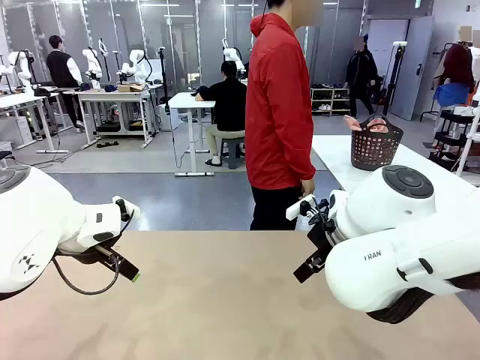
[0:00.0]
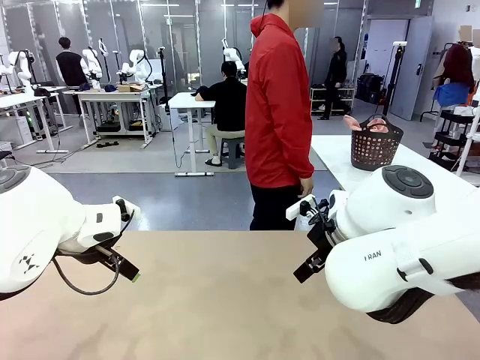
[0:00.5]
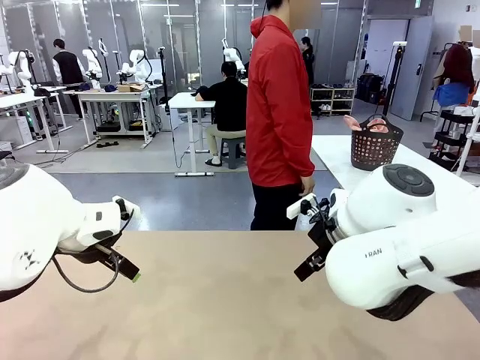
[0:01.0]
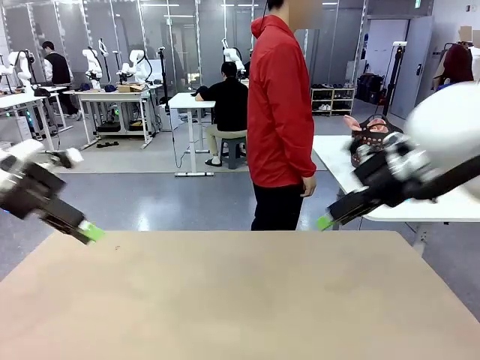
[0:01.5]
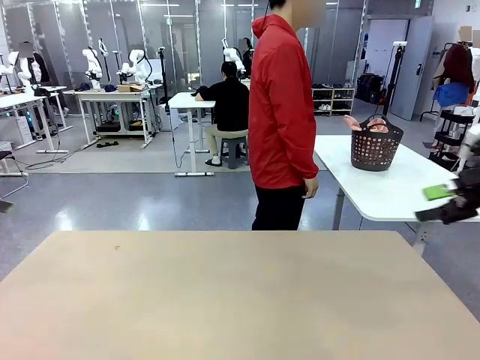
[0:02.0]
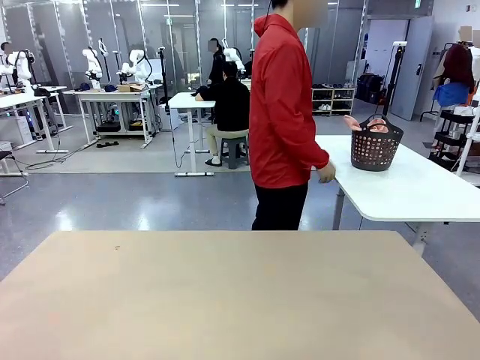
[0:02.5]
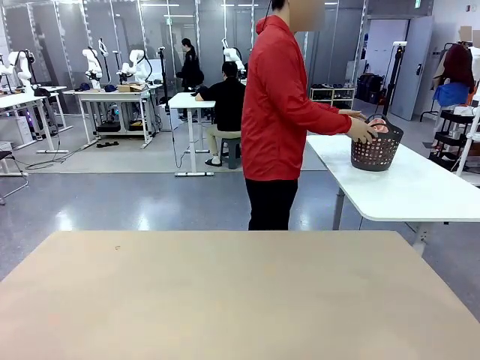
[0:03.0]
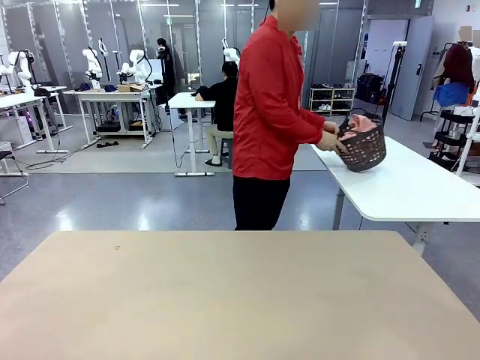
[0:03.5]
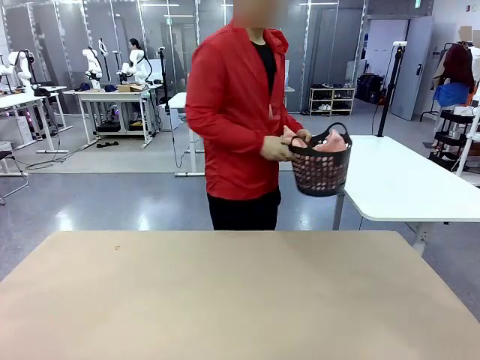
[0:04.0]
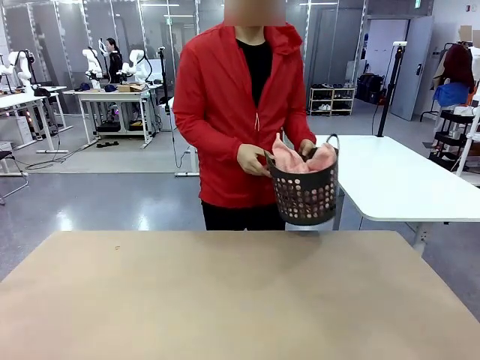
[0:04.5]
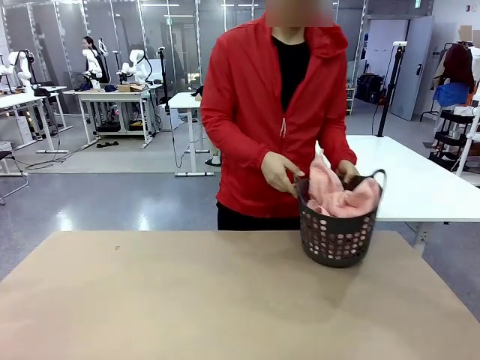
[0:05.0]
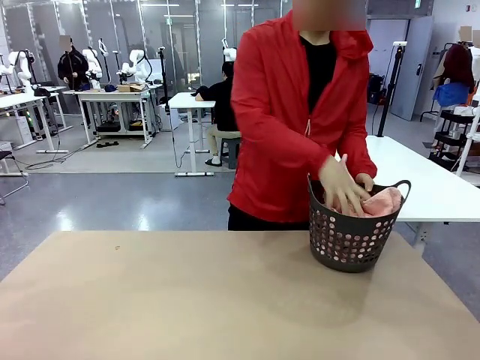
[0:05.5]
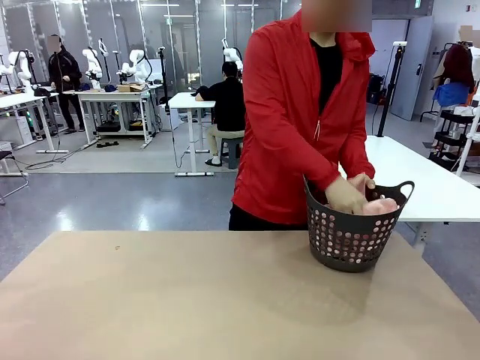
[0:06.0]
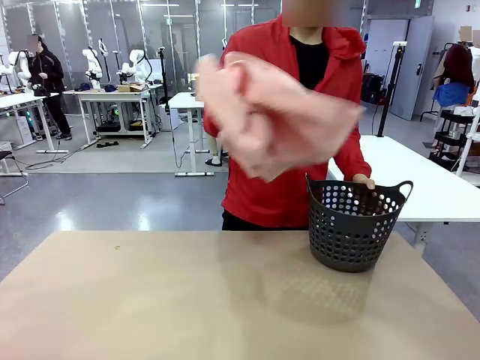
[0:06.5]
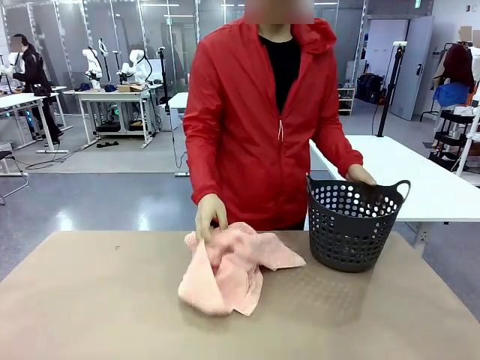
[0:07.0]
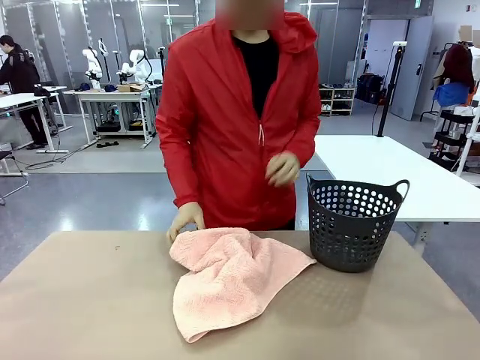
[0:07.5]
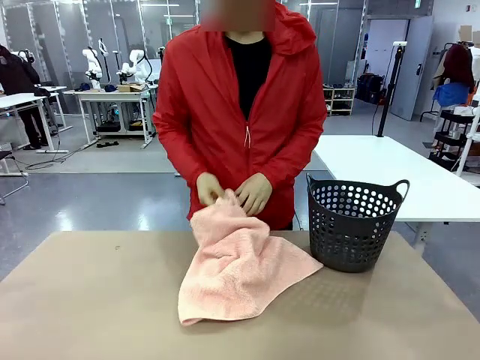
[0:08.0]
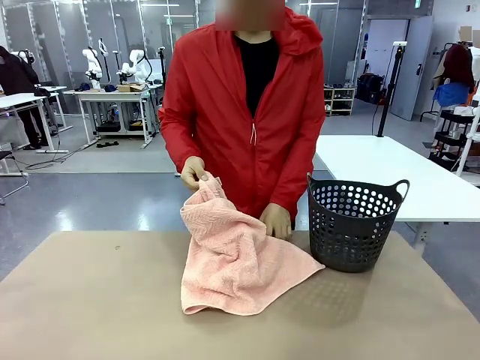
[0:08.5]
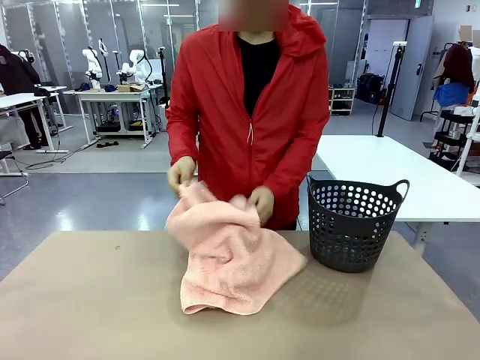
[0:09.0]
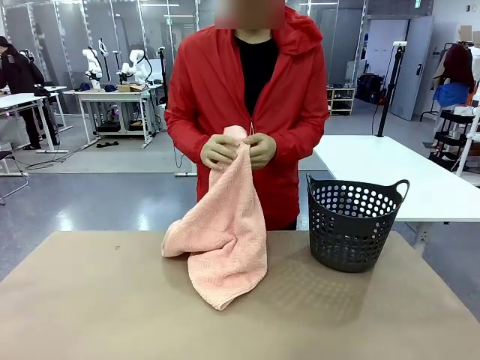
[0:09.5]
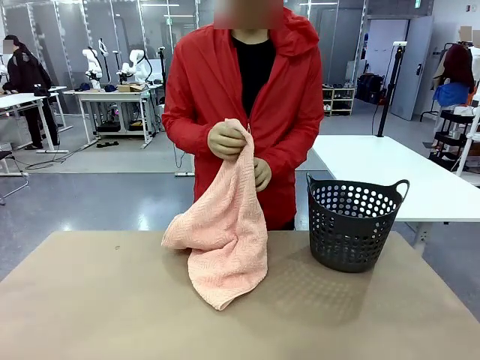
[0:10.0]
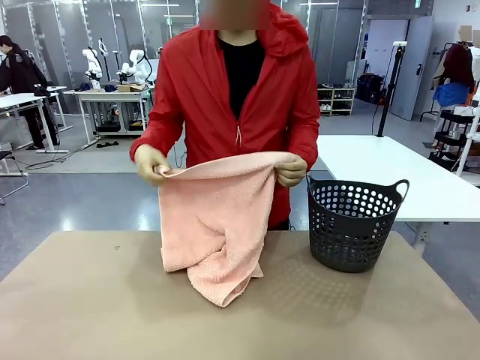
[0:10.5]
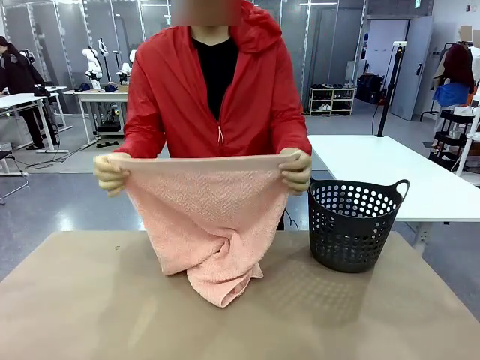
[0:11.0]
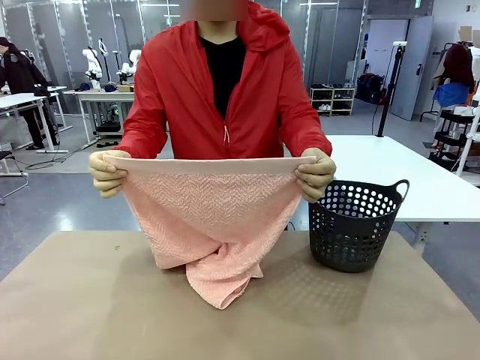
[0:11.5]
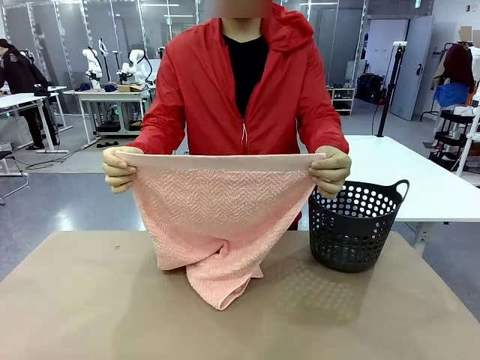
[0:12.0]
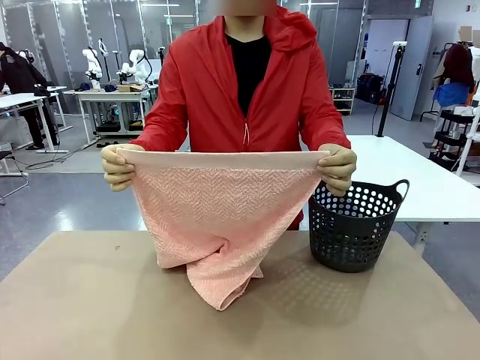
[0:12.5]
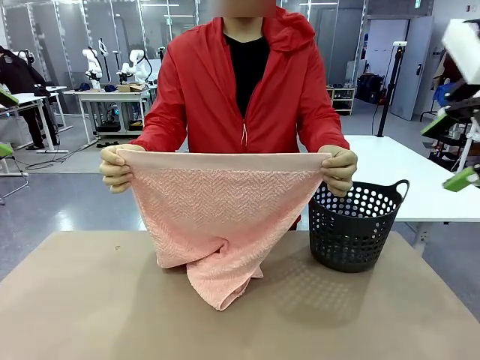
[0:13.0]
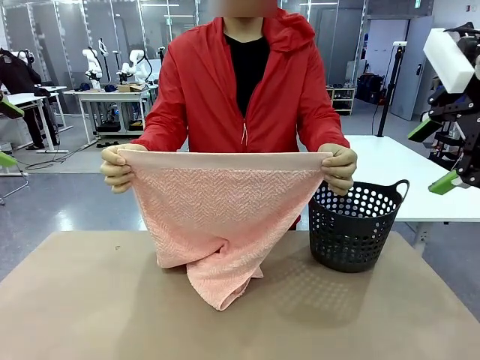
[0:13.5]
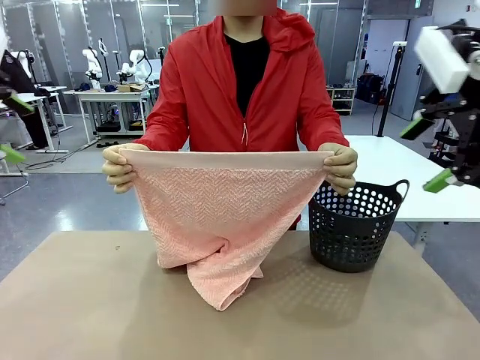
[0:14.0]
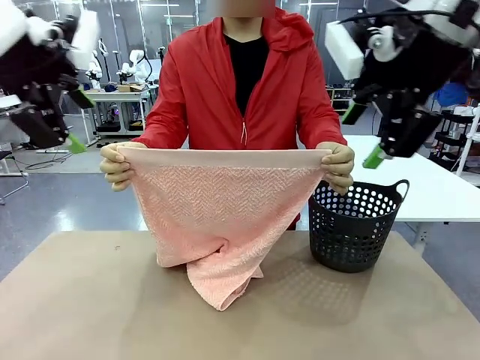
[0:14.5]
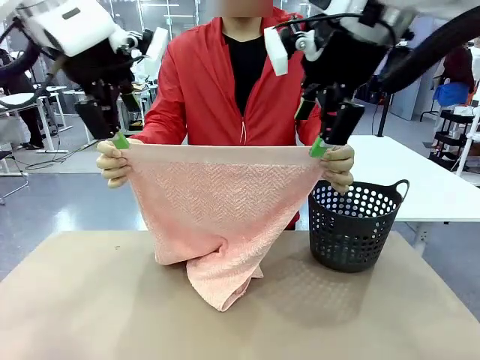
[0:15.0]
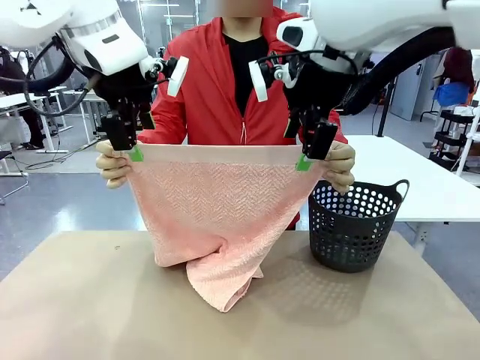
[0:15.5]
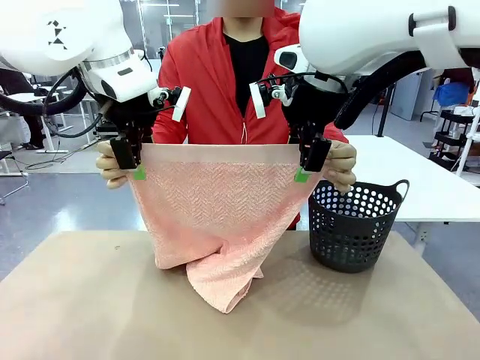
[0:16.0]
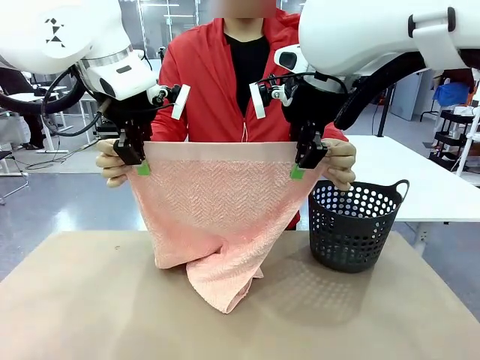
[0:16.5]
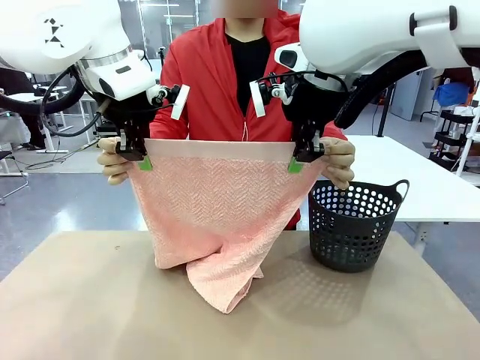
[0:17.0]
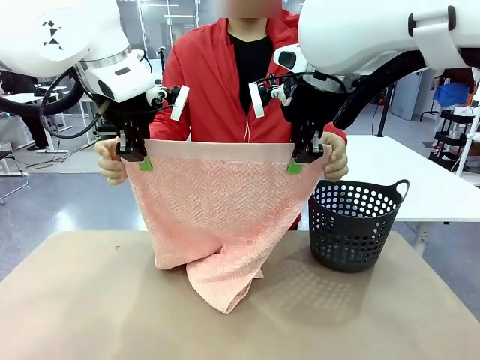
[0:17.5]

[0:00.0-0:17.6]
Task: Fold the towel.
Robot: Grab the top end of the 100 cm Hotel Towel extended by the human.
Person: Pick up the laundry basket, place it on the left side of the robot table, then take out a towel and hand it to the robot while holding both corners of one end.

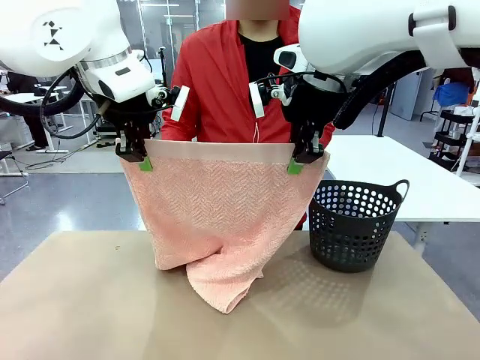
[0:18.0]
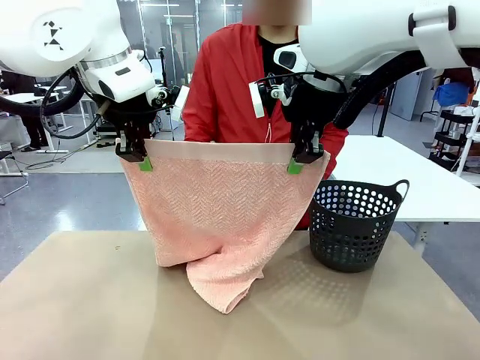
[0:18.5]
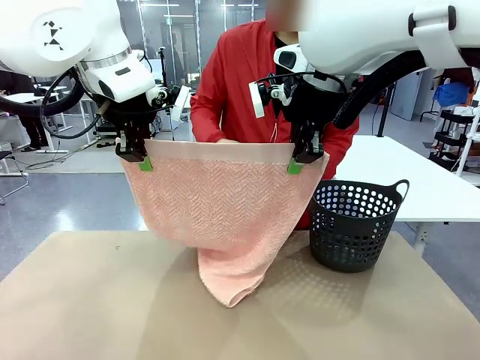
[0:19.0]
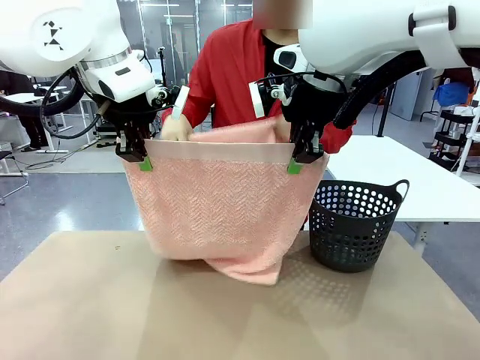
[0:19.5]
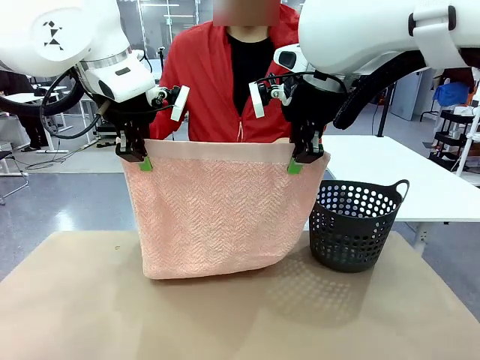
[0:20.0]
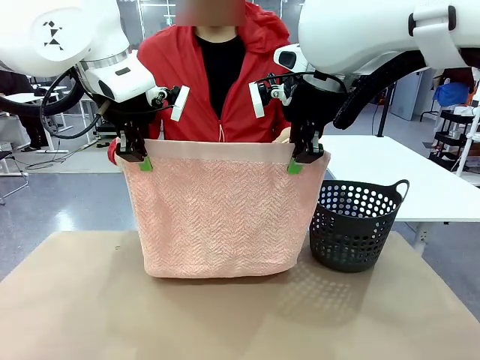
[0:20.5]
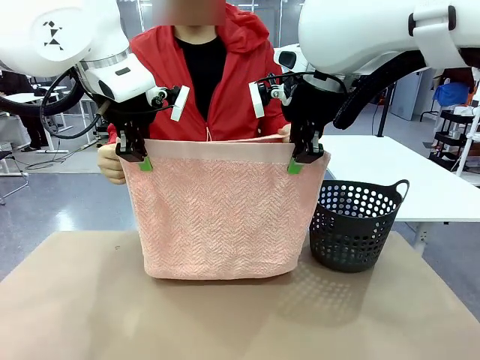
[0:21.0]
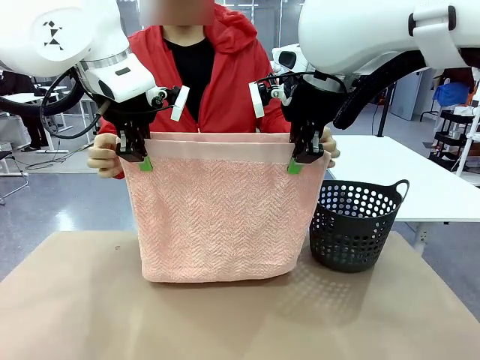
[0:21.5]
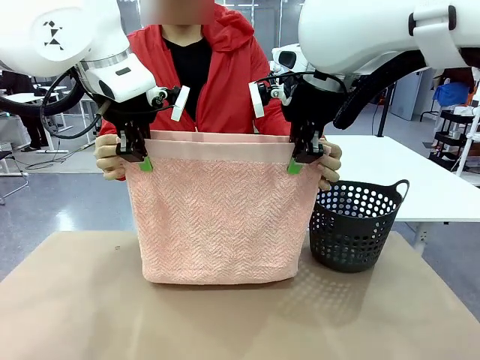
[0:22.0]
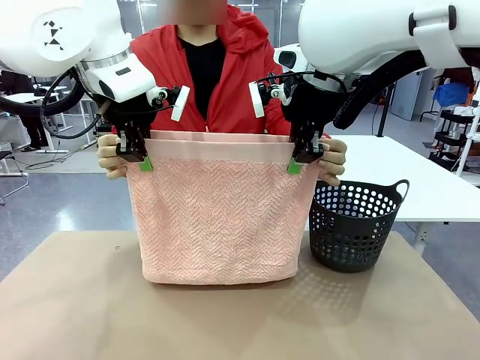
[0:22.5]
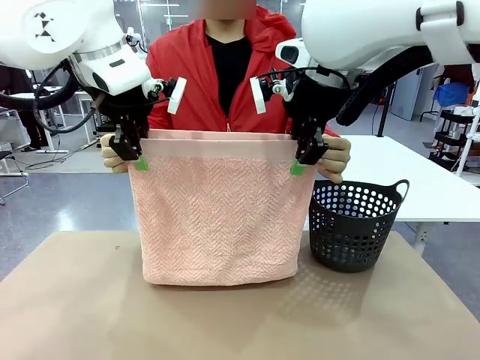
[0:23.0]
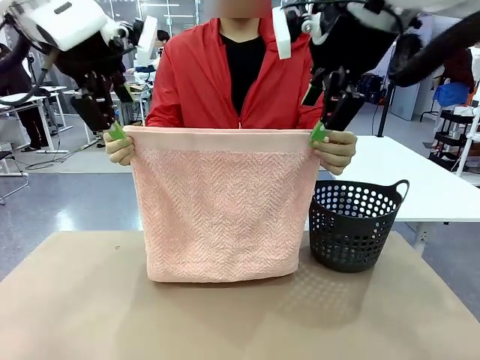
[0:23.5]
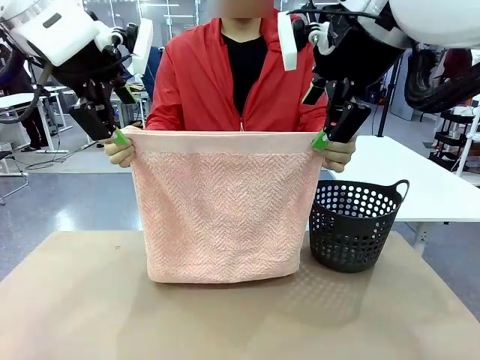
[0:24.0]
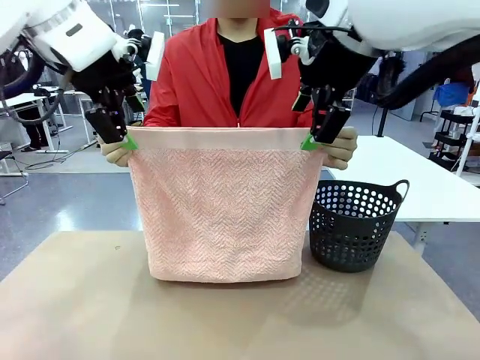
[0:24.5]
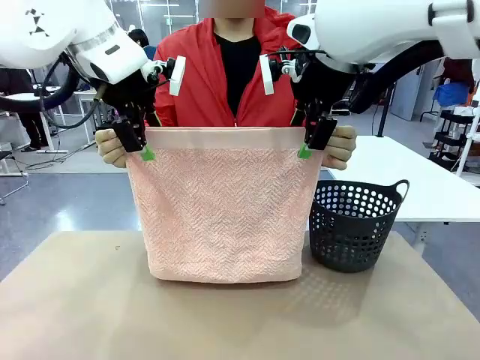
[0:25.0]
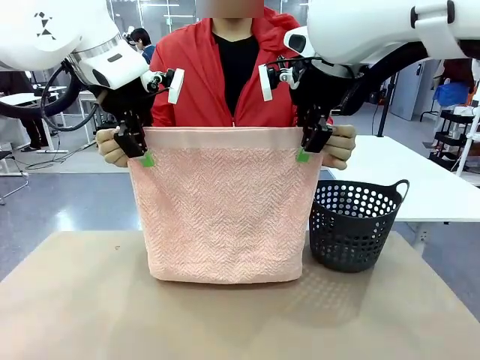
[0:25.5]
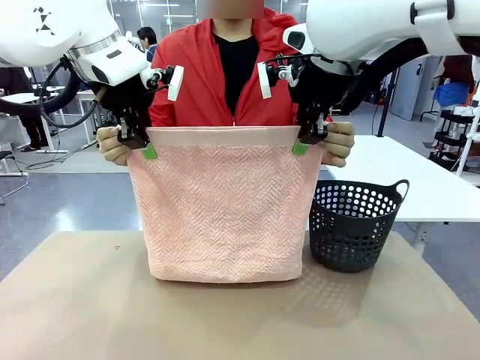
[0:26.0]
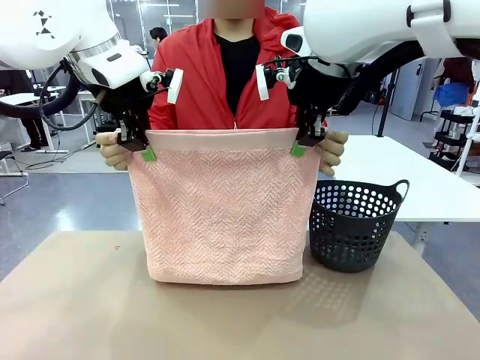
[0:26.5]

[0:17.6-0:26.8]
Robot: Release the end of the 100 cm Hotel Towel you were holding and grab the top end of the folded side.
